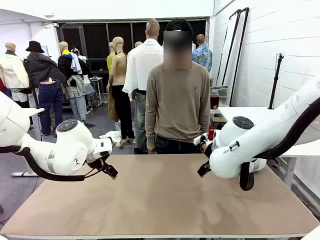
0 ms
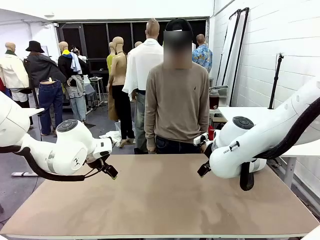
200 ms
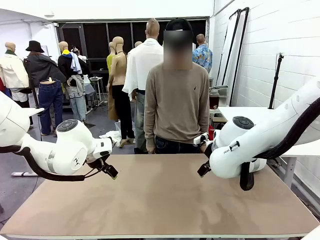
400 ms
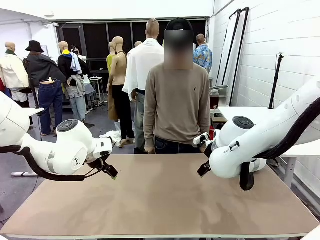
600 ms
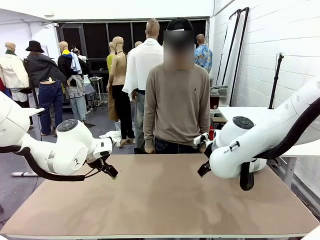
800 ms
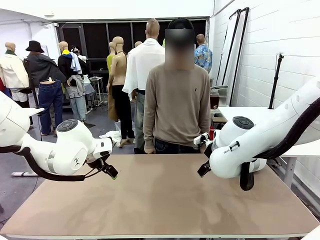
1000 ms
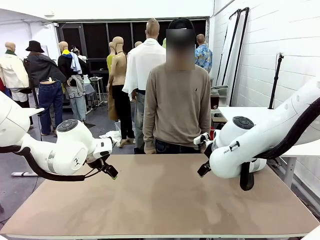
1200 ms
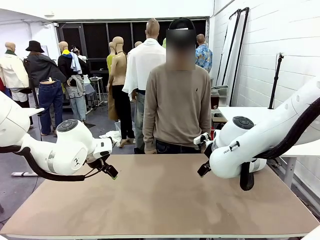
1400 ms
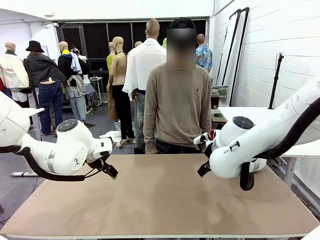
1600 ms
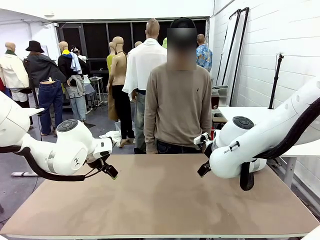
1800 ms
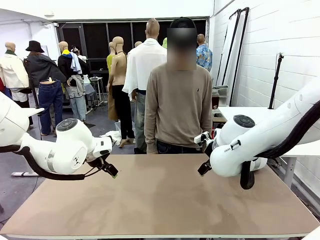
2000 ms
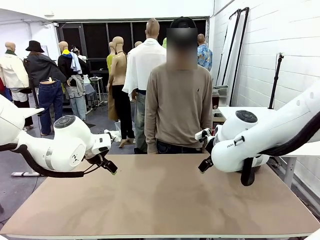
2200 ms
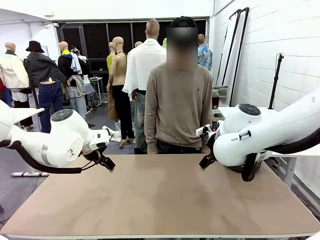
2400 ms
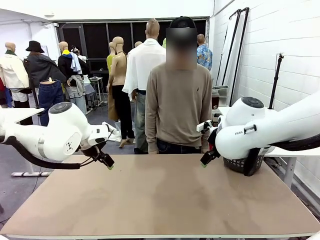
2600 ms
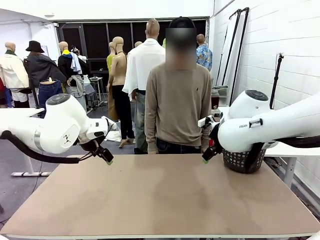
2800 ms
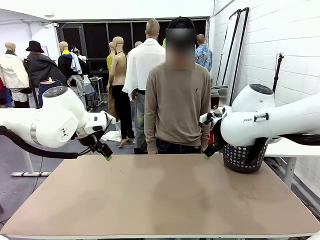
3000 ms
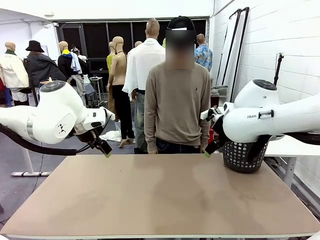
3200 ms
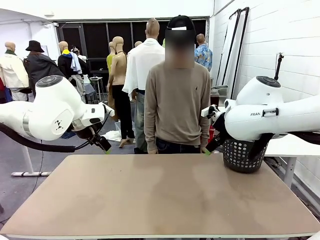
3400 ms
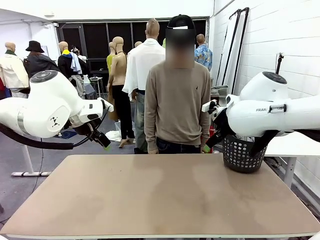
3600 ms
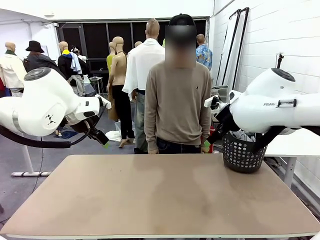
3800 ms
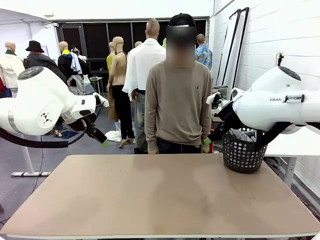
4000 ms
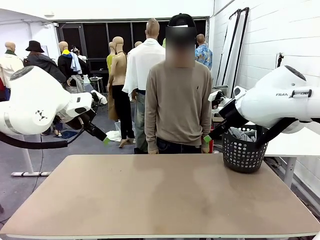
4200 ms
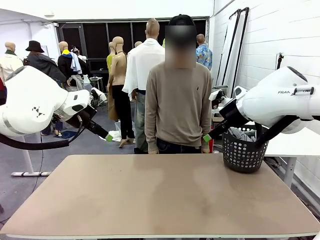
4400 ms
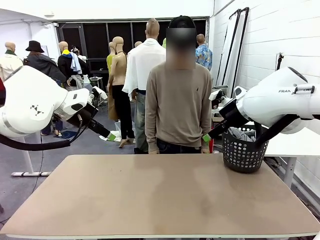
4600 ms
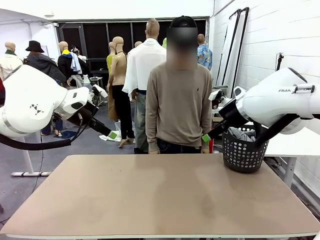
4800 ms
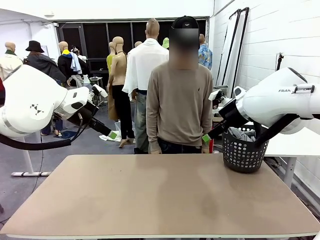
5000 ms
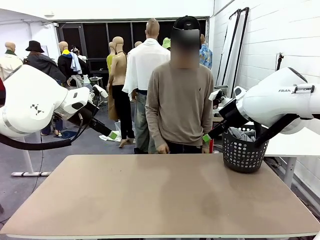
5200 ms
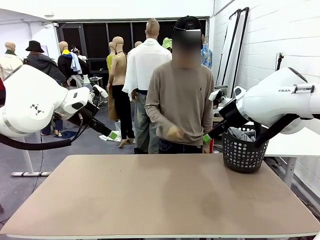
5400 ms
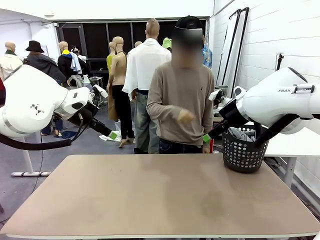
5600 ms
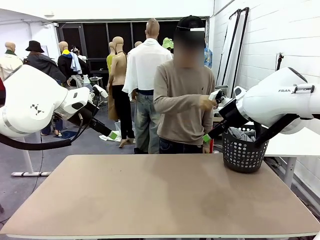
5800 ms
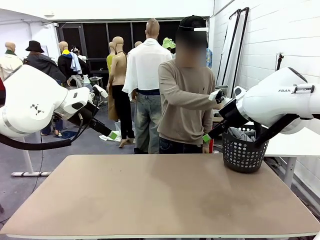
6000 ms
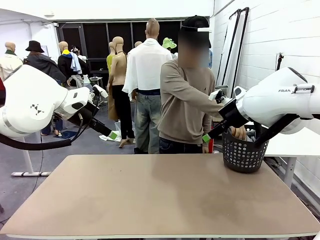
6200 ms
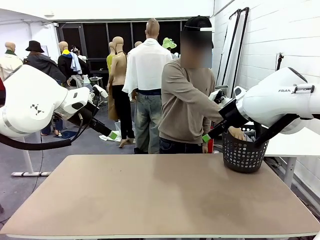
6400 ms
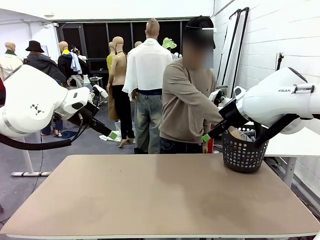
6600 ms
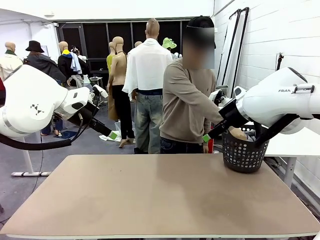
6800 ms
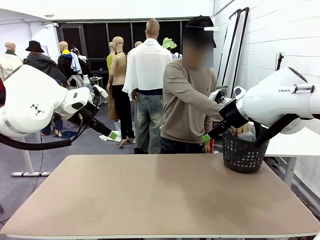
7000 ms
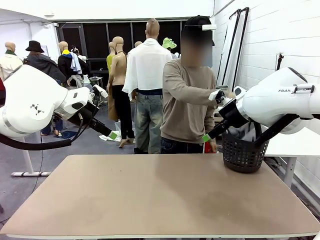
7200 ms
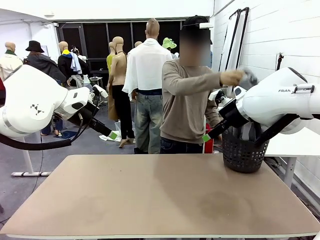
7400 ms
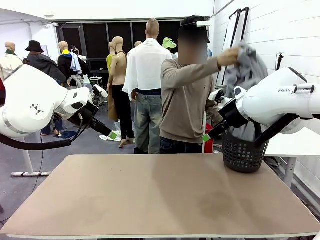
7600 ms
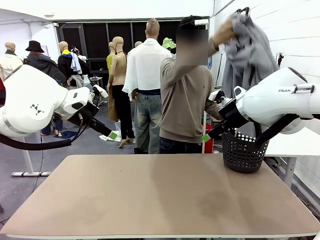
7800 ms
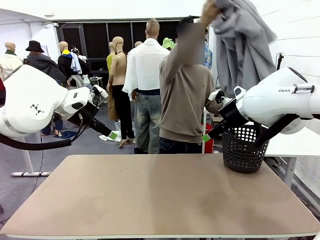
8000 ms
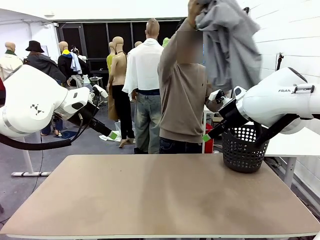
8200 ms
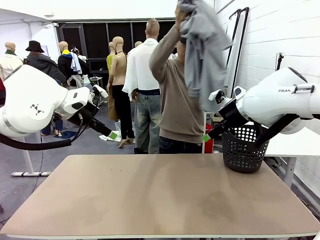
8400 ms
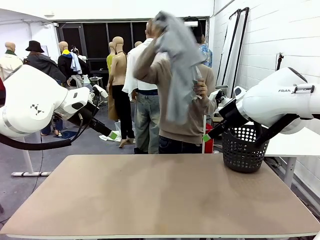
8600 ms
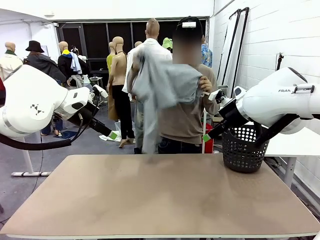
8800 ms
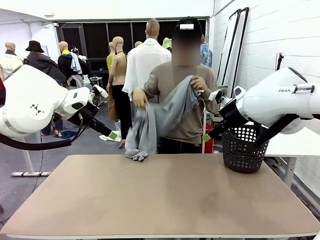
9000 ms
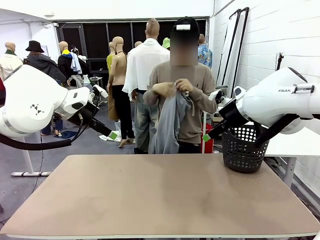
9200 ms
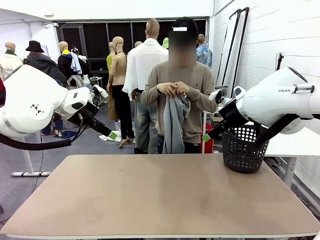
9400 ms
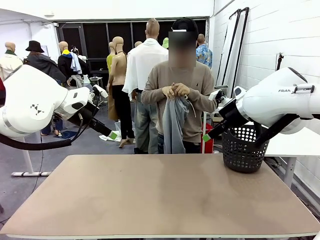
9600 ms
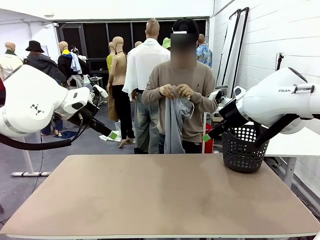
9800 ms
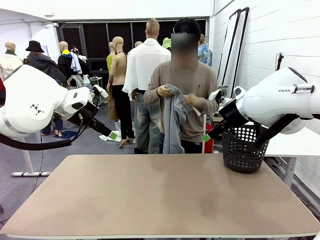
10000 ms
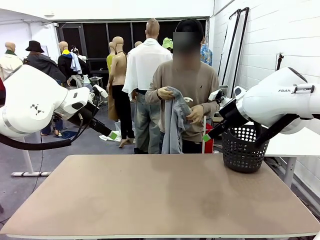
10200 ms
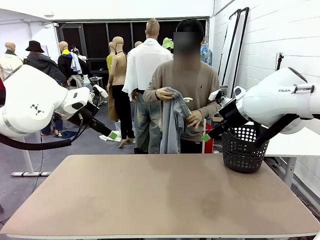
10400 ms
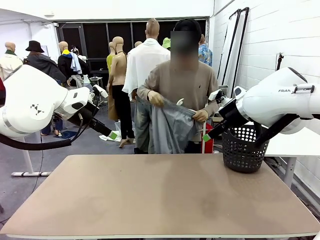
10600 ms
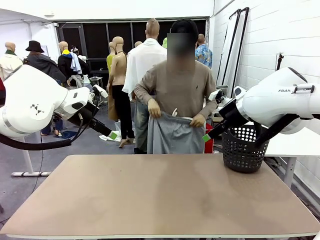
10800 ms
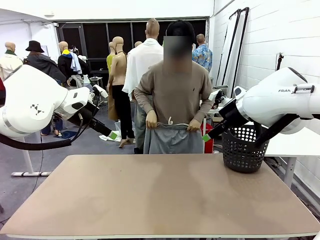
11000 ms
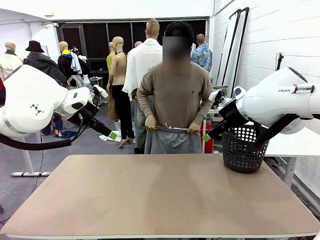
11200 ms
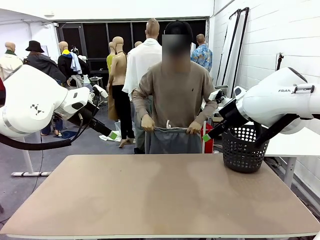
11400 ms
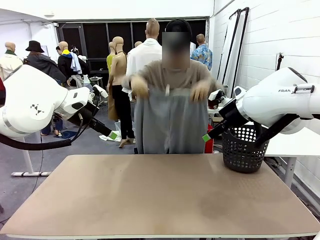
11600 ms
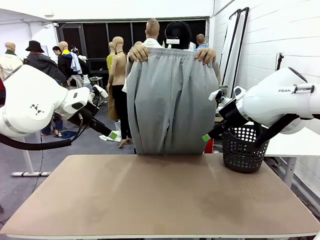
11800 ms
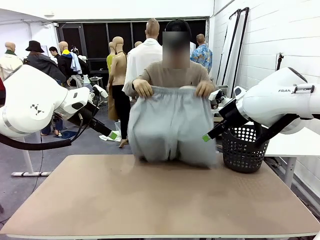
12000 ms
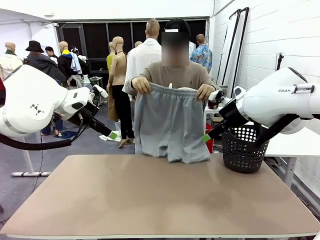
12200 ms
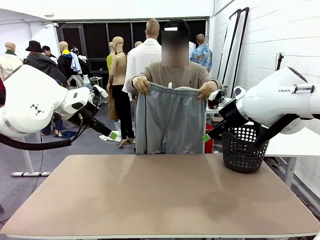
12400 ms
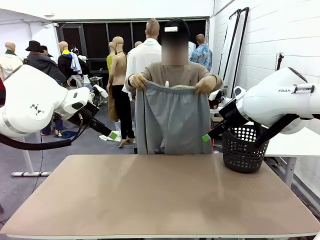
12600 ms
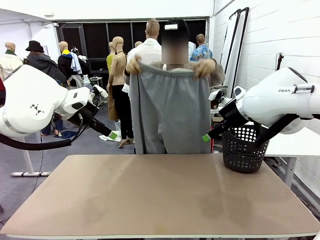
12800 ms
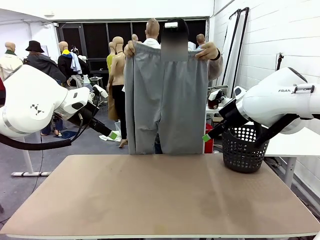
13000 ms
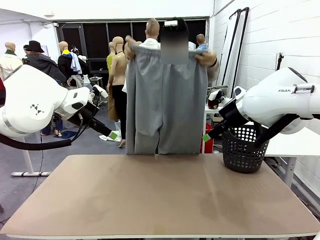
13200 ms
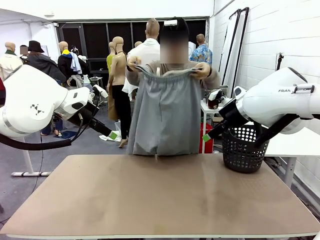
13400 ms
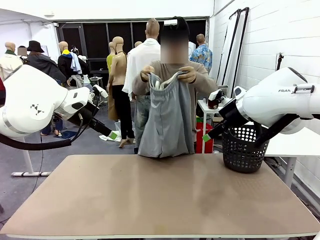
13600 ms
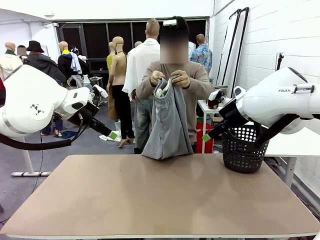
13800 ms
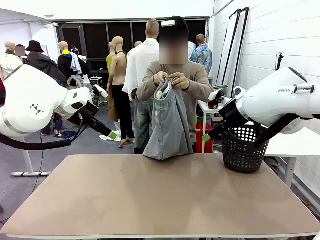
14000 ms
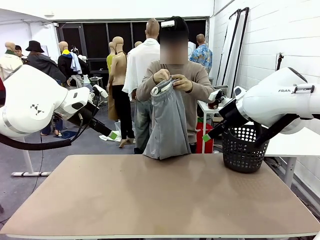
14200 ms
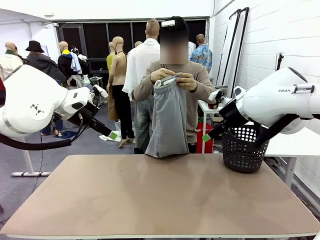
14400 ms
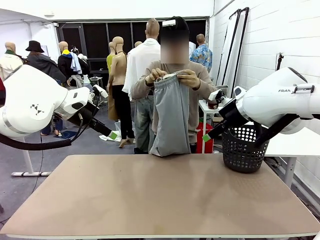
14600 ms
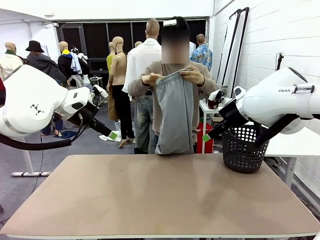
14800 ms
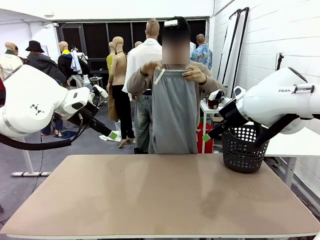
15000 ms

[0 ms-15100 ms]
Task: Fold the training pants.
Robot: Grab both ends of the Training pants handed by a person.
Person: Take the long pants out of the laundry basket, unfold them, fold the waist in half, and extend them so the robot can pick up both corners.
